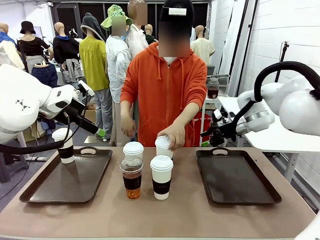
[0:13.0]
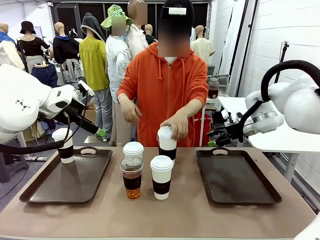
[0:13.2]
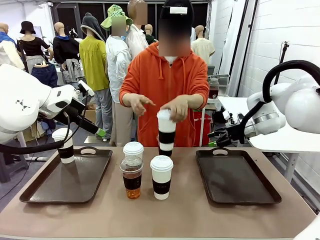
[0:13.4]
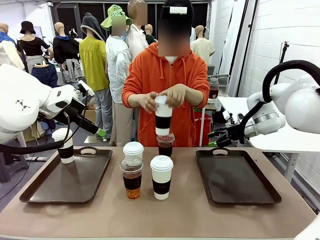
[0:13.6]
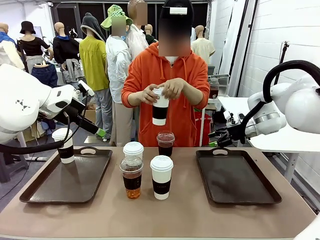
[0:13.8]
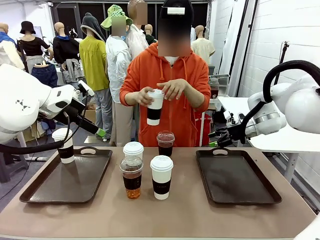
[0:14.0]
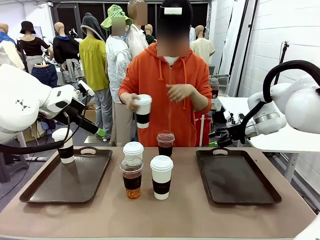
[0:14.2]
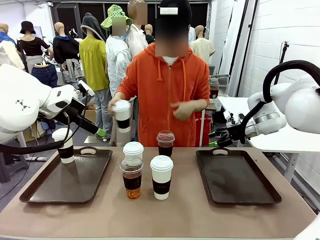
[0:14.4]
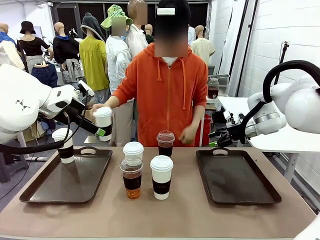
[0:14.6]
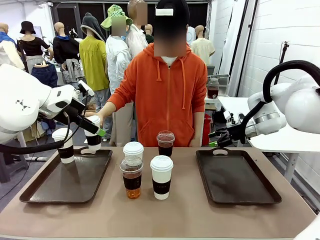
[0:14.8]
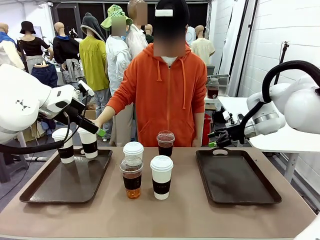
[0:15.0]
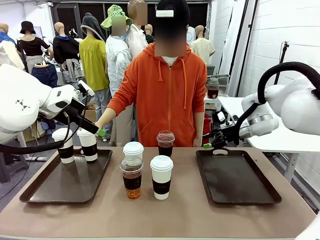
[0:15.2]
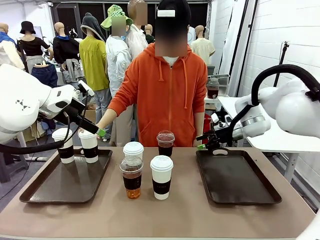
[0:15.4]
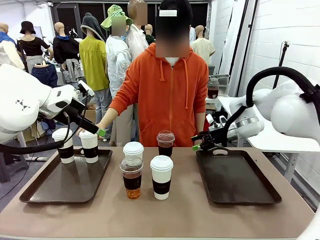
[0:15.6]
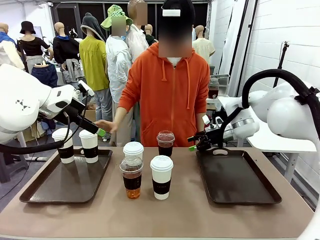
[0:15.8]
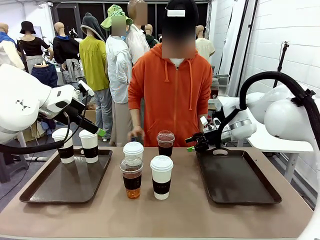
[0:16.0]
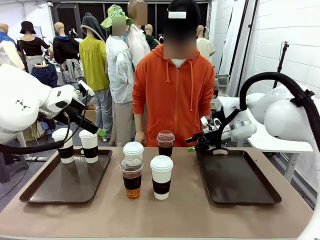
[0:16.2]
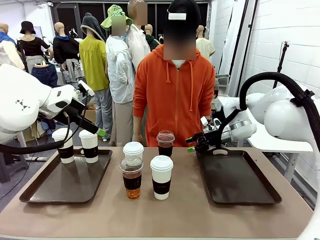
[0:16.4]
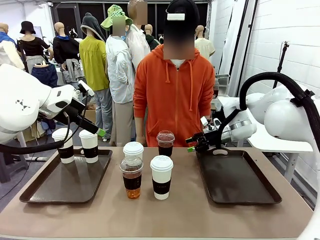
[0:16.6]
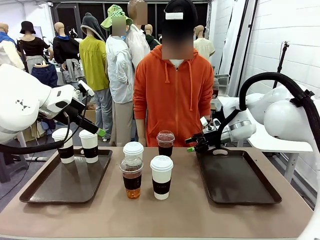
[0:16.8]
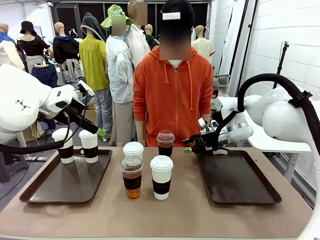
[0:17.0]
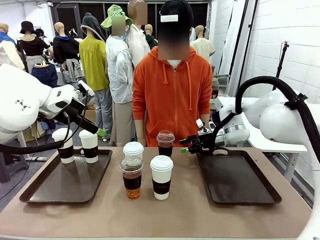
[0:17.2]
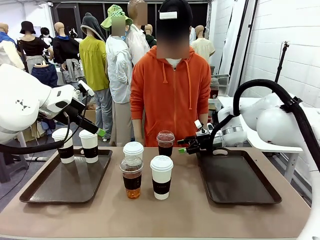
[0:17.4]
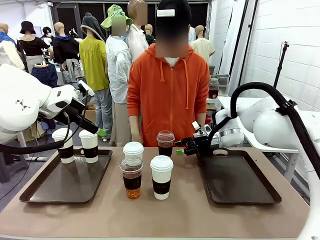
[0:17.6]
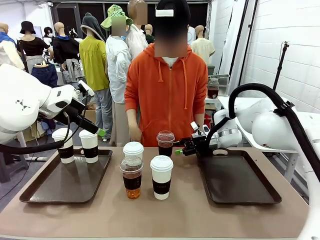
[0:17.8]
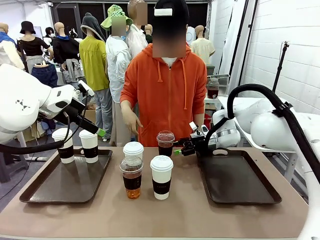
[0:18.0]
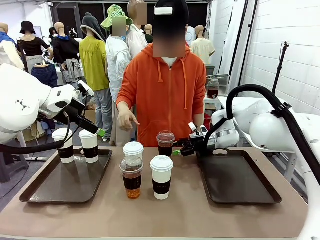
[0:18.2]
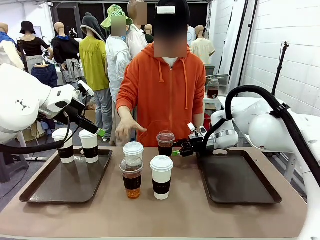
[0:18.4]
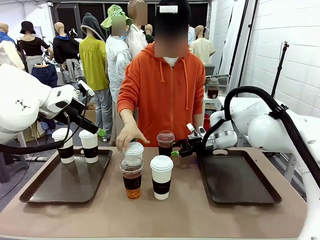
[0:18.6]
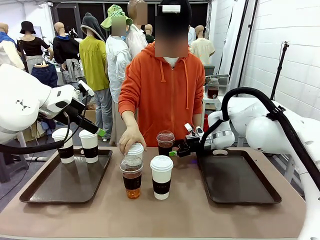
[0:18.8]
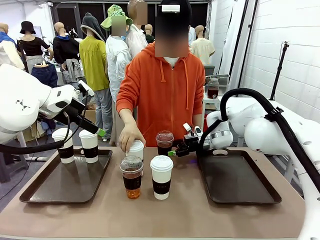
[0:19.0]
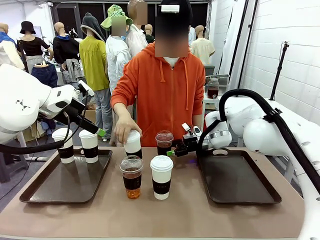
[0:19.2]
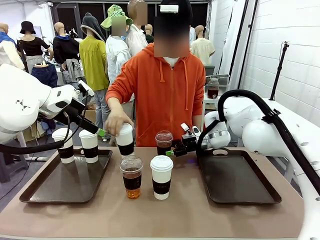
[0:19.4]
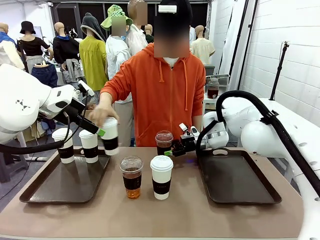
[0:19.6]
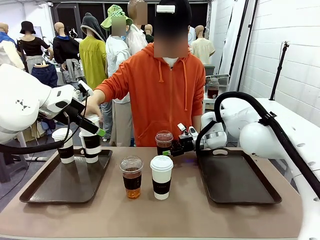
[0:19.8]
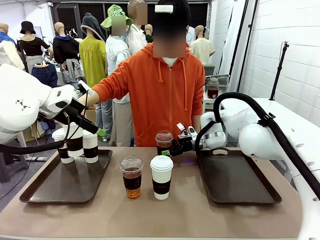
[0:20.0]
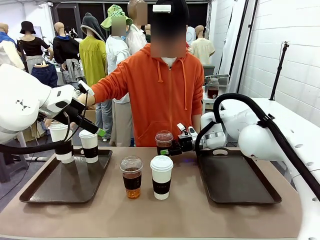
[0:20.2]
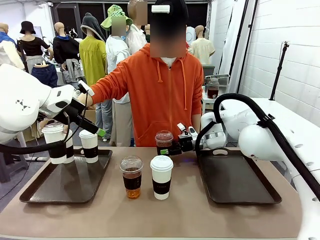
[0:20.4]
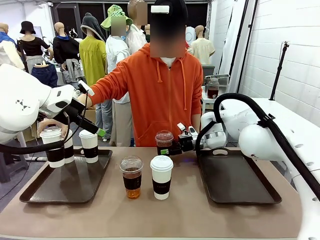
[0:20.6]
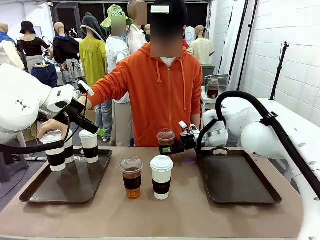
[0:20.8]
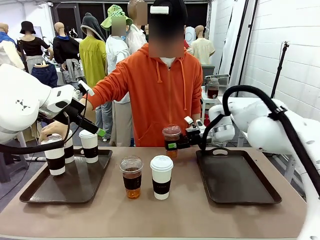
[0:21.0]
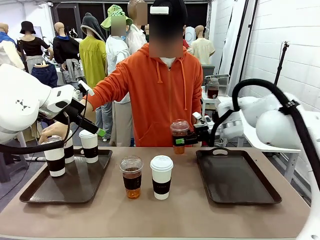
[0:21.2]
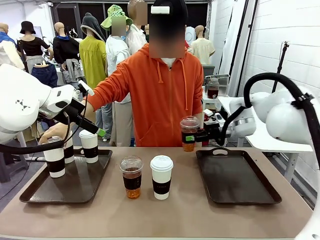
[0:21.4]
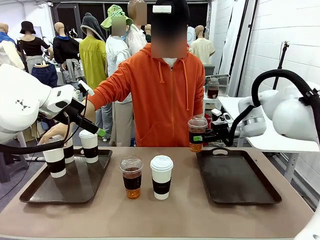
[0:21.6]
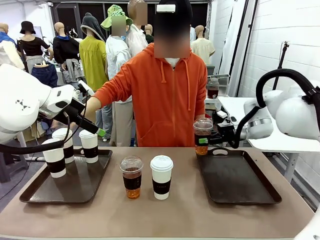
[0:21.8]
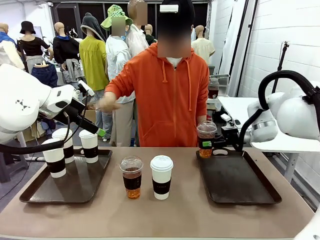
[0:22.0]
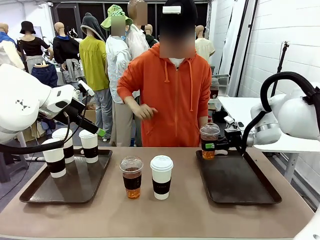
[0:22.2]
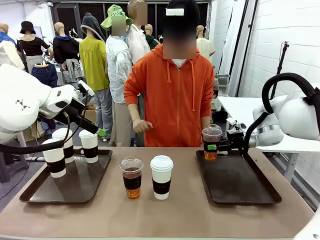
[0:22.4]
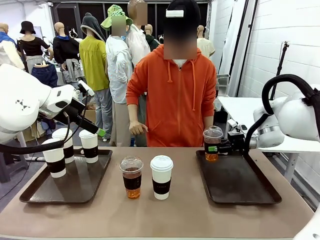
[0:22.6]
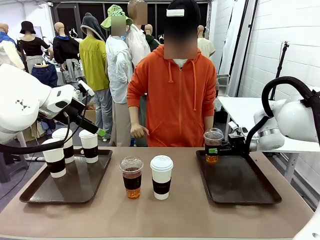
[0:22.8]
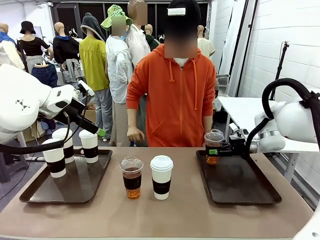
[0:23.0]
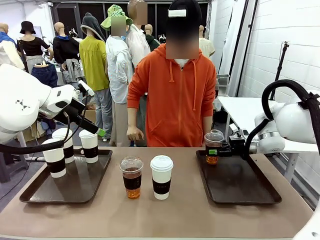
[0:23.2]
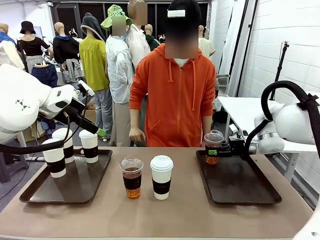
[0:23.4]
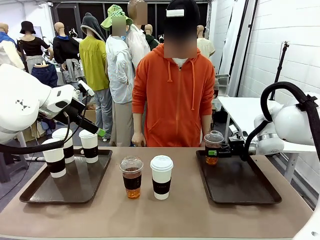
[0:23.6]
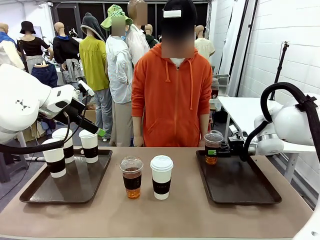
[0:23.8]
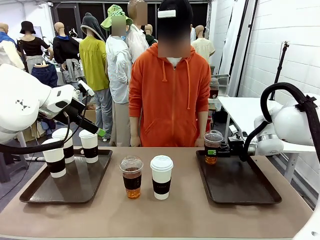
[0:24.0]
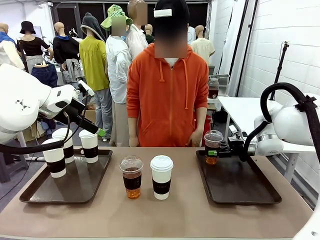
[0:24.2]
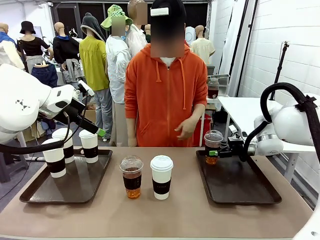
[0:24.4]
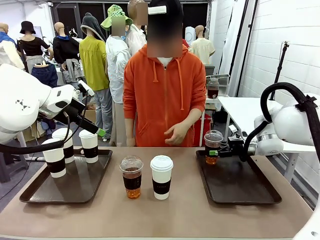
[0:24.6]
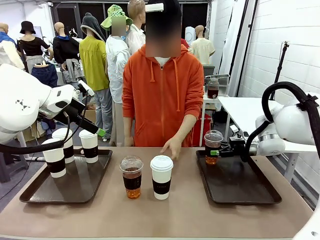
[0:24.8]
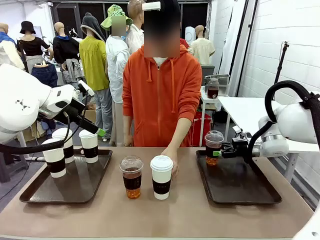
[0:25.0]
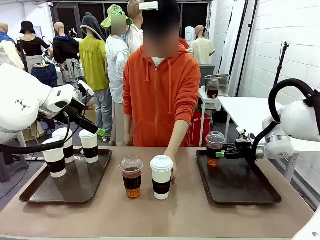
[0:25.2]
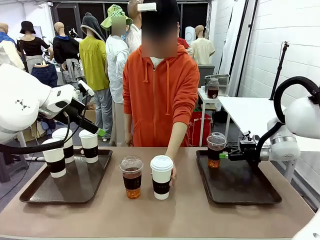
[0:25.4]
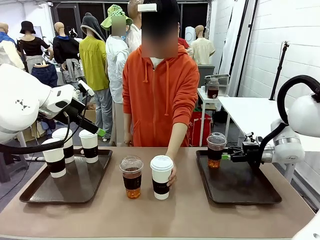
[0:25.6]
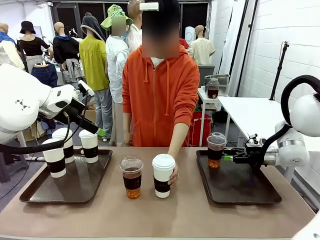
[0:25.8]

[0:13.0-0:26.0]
Task: Distribute the coffee onto the tray.
Robot: Pick up one iced Americano and place it on the right Handle tray.

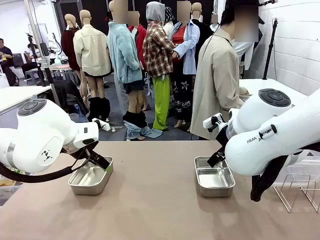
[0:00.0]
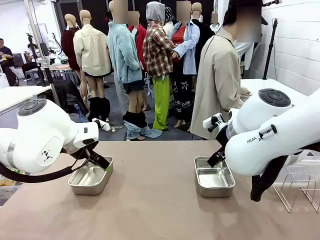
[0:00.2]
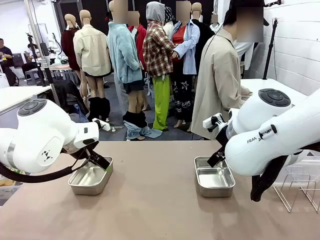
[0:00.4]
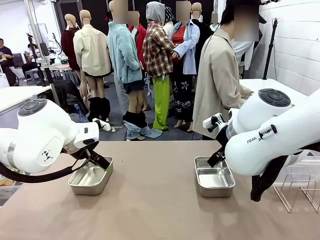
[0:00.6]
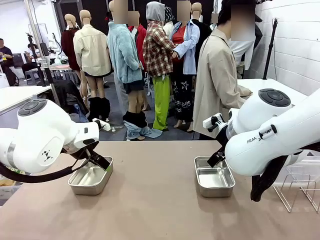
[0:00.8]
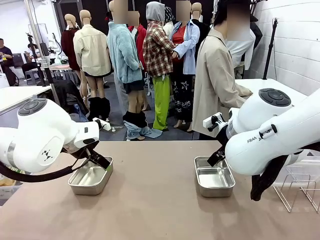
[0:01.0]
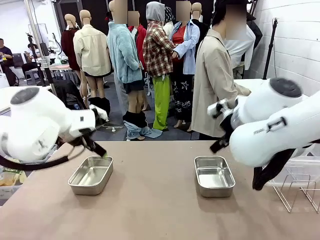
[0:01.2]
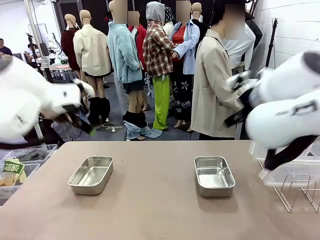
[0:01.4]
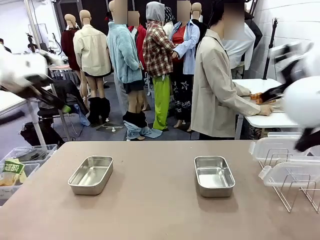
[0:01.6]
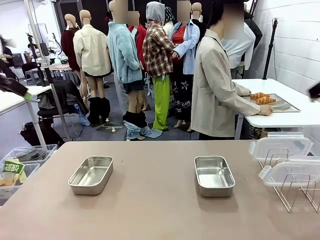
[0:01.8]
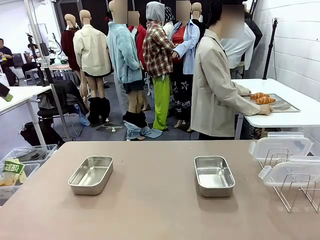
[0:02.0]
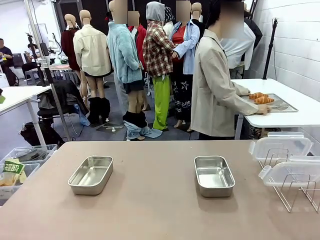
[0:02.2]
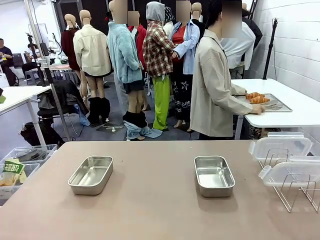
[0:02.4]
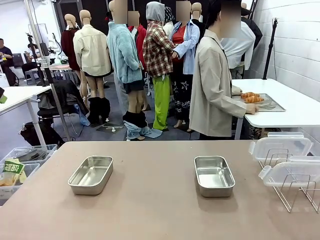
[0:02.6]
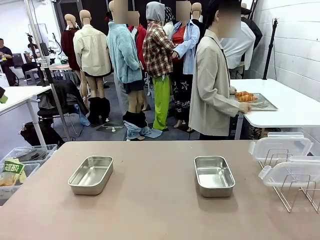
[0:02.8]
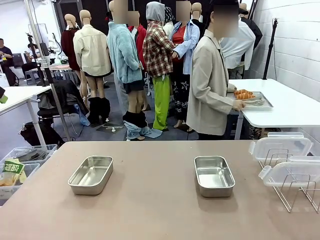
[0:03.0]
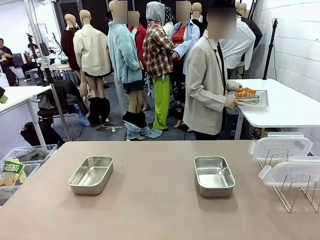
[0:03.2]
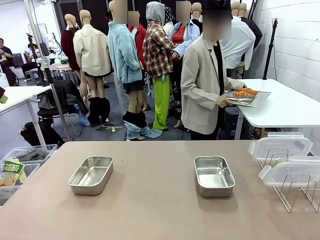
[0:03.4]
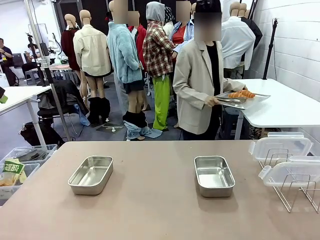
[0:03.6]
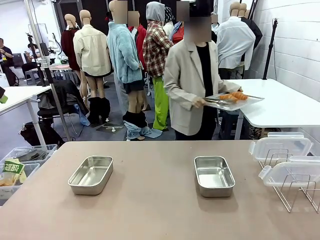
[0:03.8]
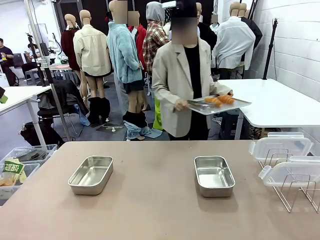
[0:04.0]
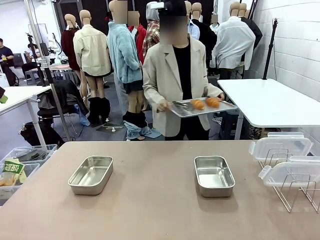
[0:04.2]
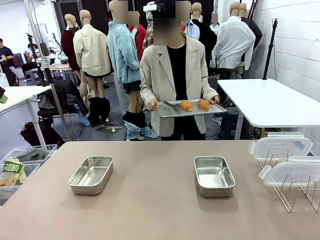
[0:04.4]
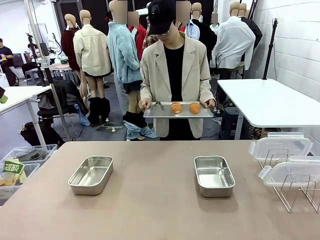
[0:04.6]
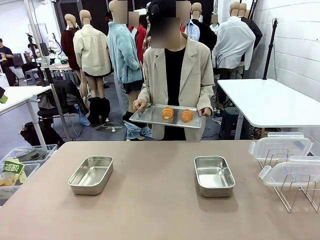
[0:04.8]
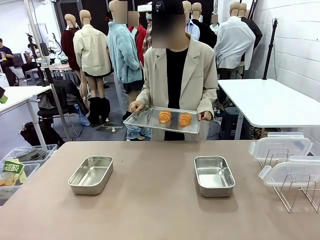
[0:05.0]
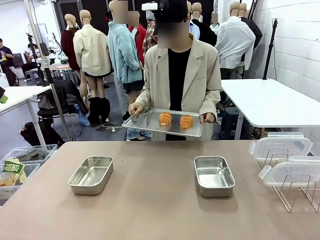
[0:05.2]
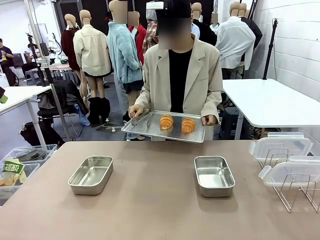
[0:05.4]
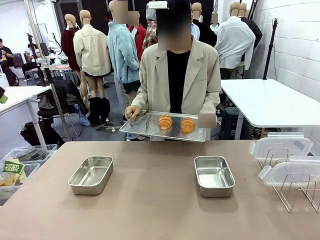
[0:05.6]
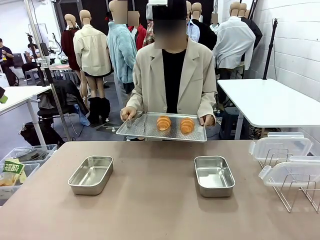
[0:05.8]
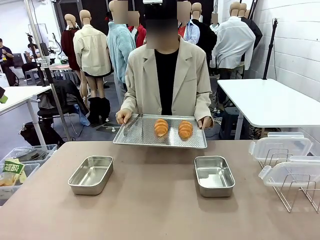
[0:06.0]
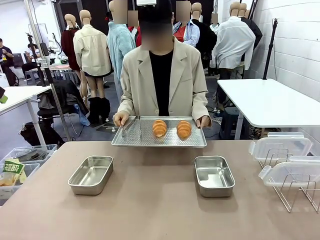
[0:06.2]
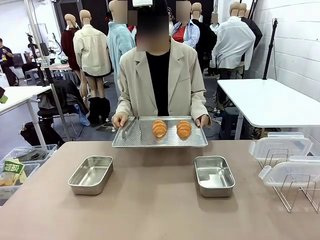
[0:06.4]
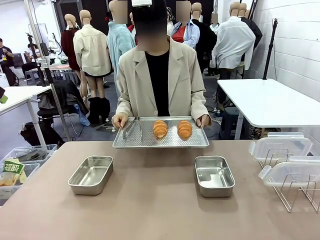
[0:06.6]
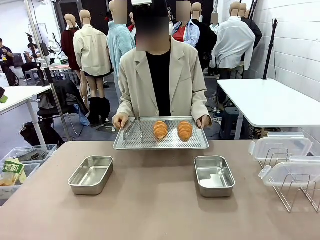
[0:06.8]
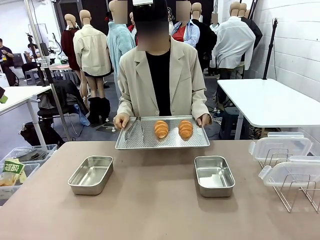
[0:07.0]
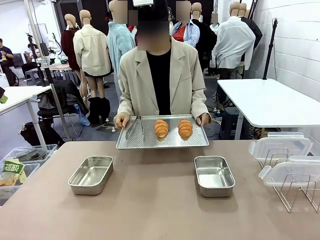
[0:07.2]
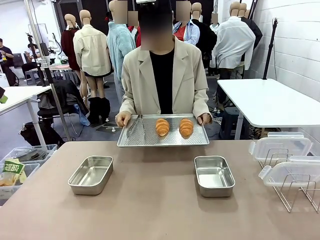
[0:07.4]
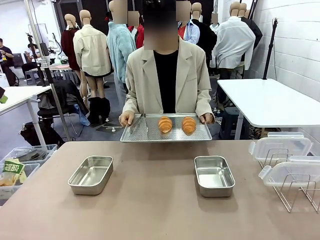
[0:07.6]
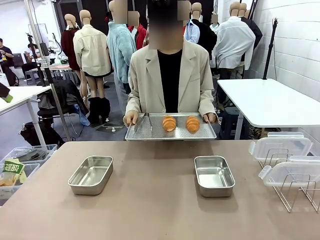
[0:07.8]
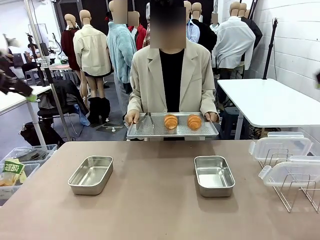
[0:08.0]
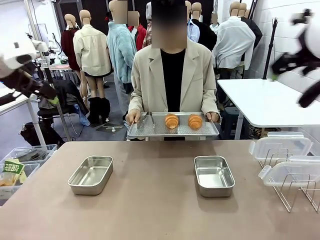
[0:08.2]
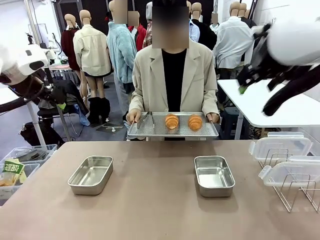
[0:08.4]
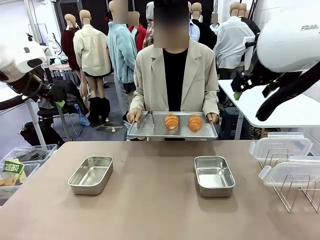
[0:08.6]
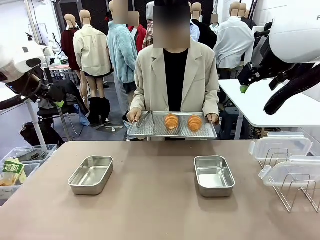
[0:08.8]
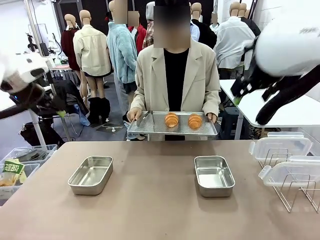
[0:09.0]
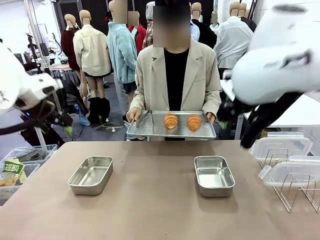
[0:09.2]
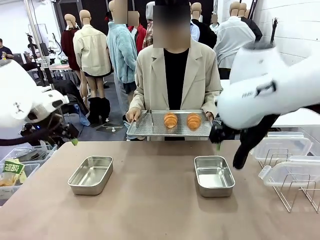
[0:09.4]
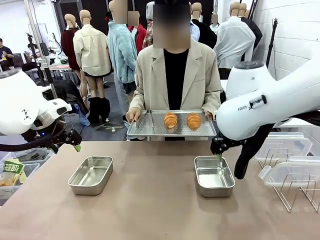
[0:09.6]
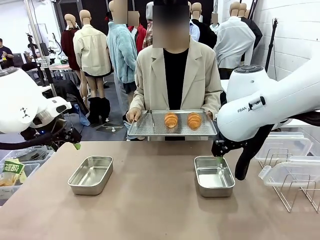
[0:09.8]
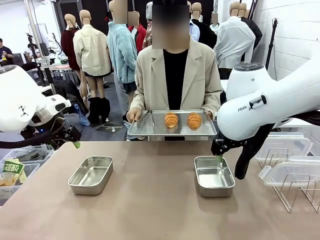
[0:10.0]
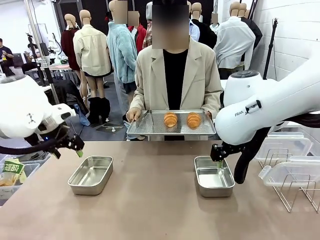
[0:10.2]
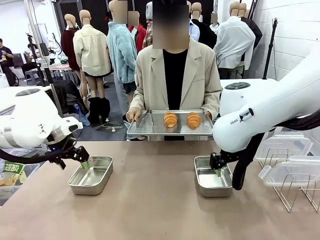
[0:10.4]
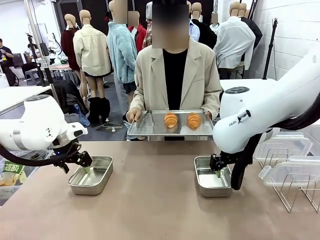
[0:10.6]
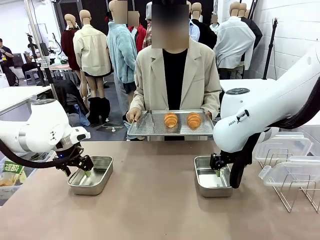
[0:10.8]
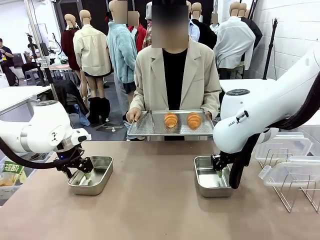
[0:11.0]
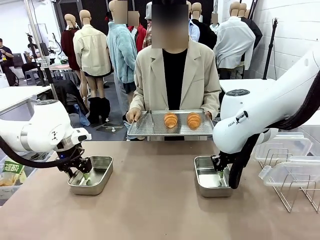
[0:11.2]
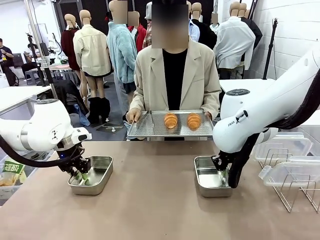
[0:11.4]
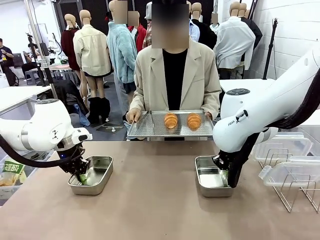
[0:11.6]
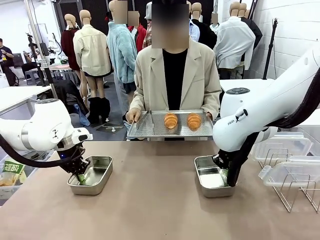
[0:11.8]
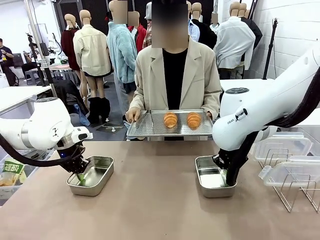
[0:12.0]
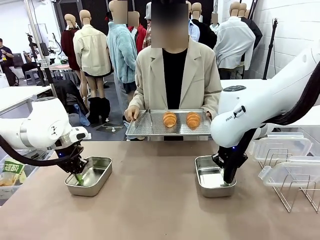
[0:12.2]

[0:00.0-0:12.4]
Task: Place the bread in airtight containers.
Robot: Lift both Airtight Container.
Person: Bring the Baking Sheet in front of Robot's Table.
